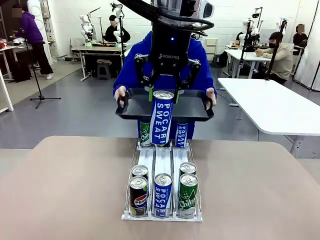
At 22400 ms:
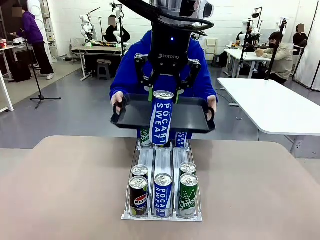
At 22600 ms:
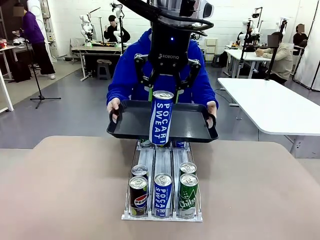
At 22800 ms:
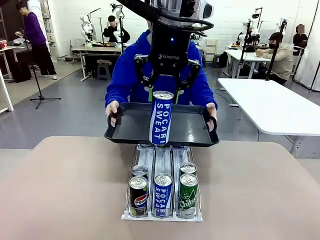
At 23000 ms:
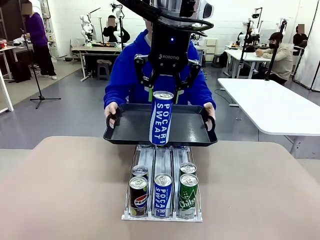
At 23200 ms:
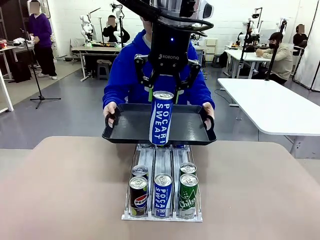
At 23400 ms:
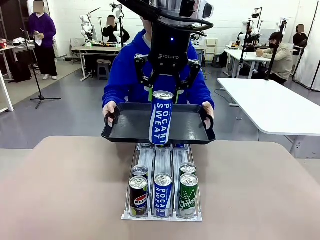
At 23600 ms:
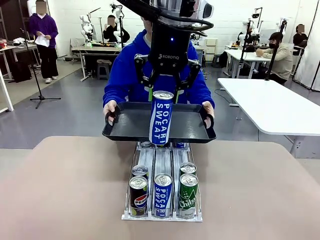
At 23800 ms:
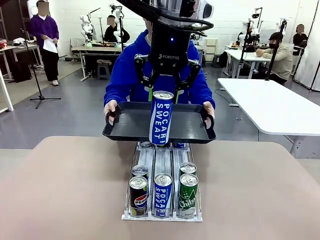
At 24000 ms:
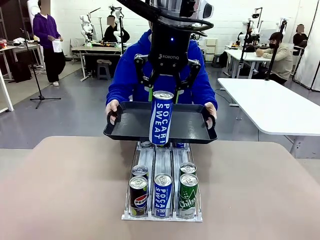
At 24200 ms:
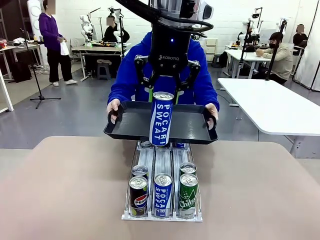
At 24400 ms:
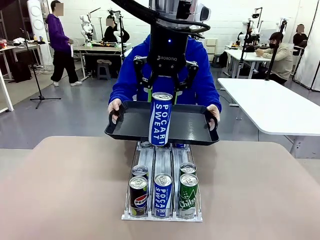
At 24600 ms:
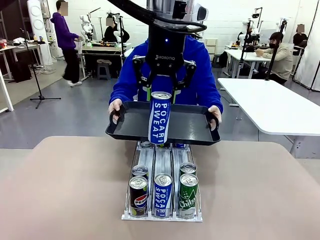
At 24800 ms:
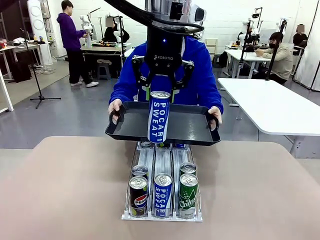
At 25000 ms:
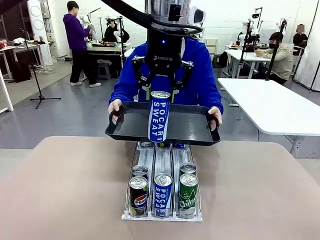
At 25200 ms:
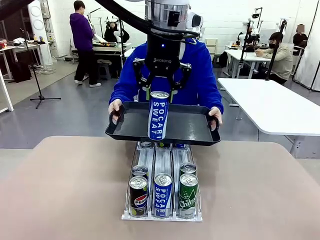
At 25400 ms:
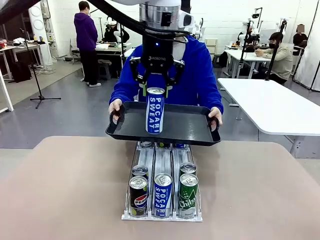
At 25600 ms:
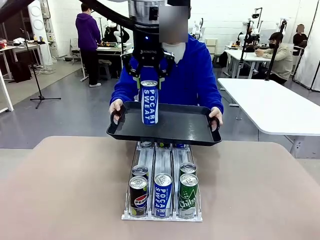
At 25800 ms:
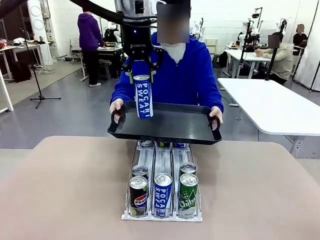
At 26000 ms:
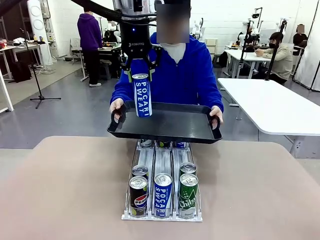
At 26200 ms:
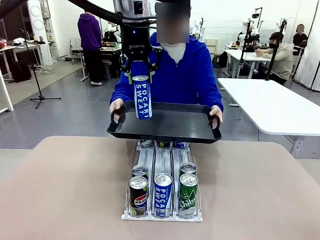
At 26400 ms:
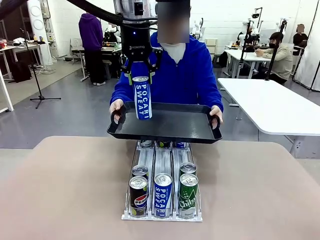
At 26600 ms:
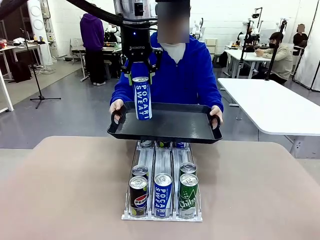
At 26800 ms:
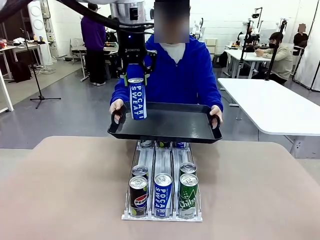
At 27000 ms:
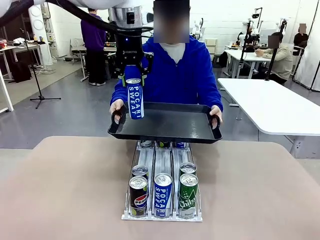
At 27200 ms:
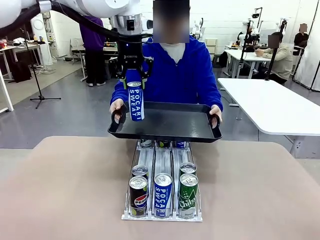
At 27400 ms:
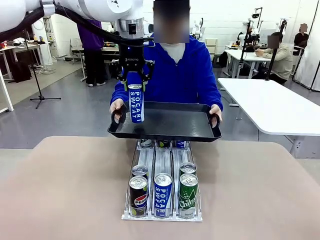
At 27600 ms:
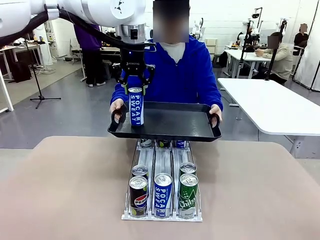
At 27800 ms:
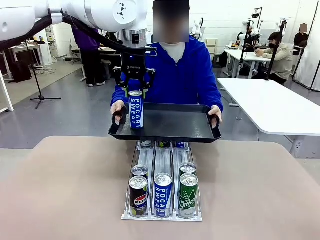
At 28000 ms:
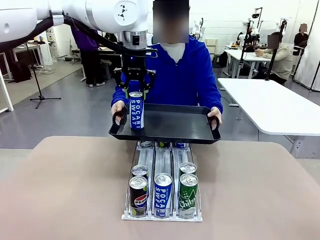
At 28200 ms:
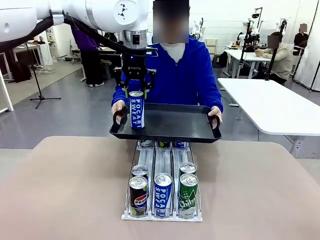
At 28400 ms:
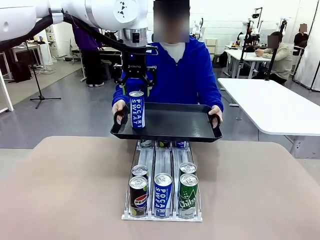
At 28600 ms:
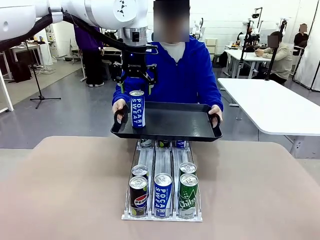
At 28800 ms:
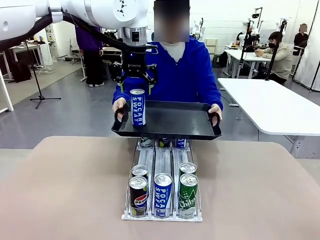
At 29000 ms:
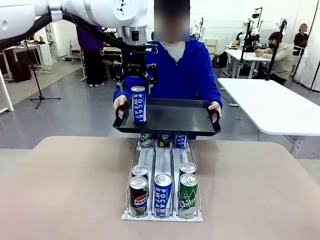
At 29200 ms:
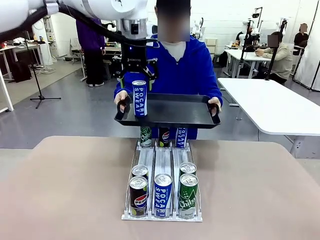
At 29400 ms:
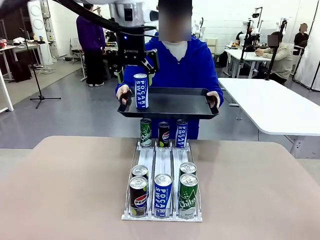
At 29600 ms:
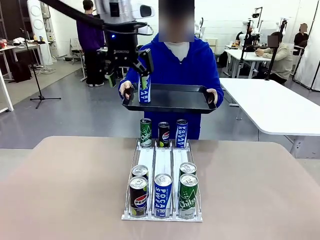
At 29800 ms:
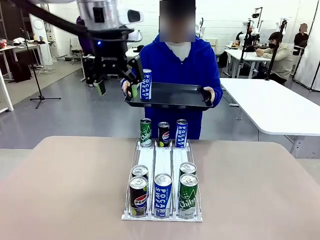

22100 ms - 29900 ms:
Task: Retrieve and hand over the desired beverage to the person.
Robot: Place the picked can on the Handle tray extended by the person.

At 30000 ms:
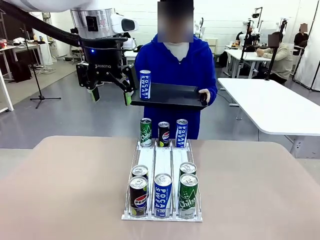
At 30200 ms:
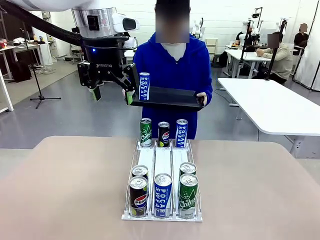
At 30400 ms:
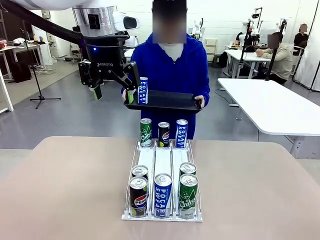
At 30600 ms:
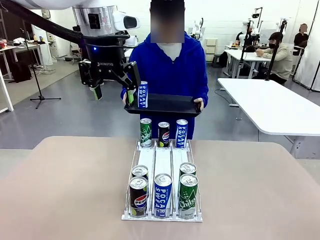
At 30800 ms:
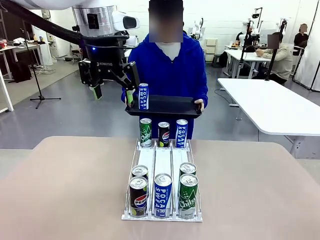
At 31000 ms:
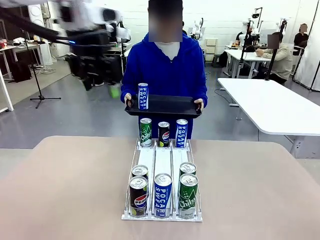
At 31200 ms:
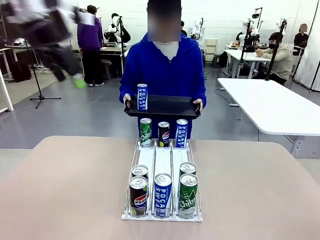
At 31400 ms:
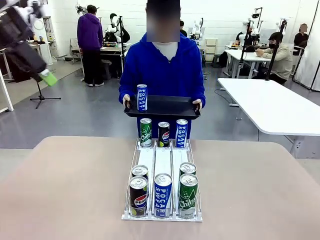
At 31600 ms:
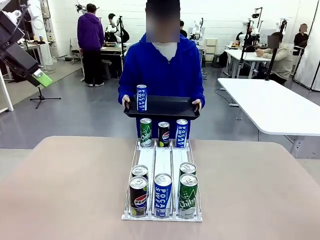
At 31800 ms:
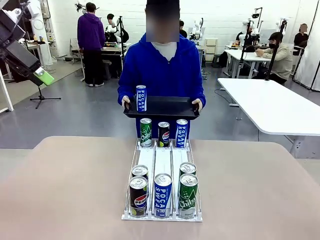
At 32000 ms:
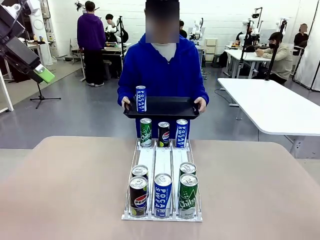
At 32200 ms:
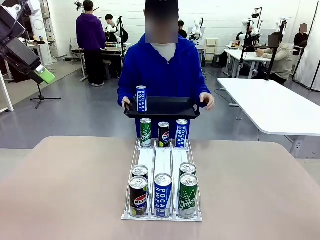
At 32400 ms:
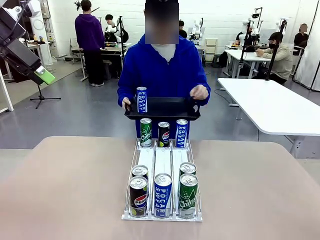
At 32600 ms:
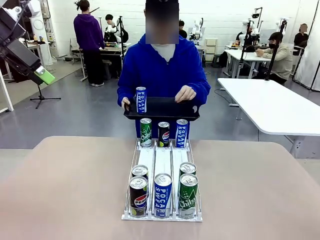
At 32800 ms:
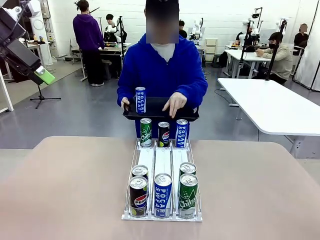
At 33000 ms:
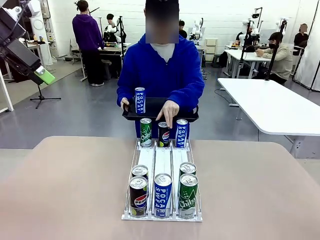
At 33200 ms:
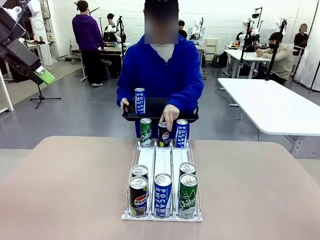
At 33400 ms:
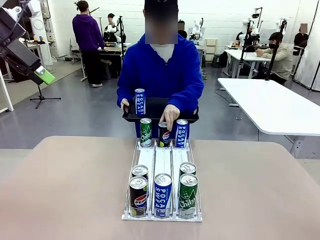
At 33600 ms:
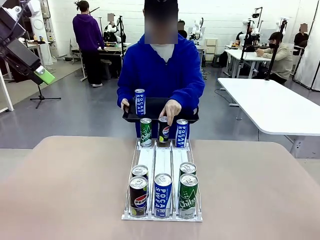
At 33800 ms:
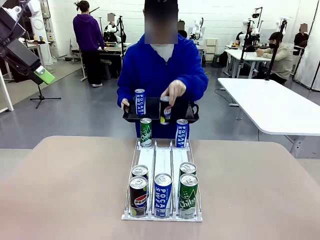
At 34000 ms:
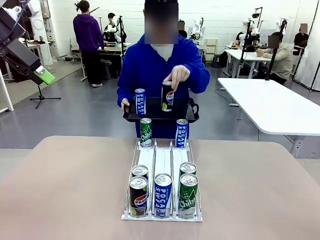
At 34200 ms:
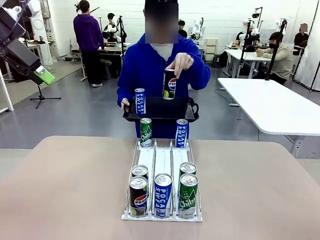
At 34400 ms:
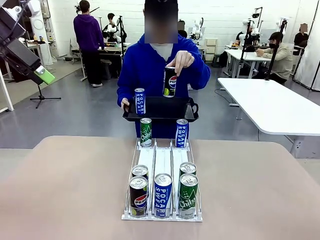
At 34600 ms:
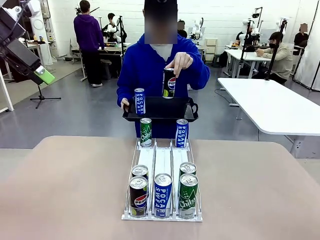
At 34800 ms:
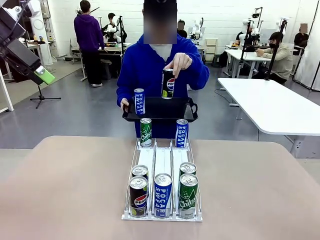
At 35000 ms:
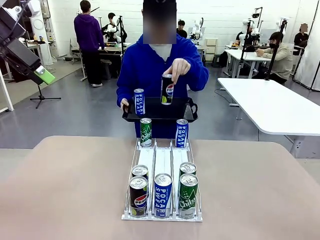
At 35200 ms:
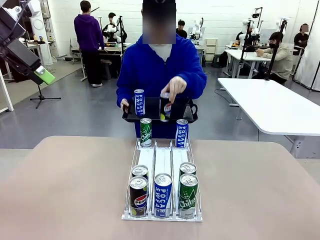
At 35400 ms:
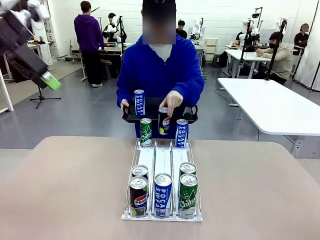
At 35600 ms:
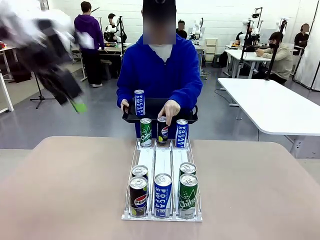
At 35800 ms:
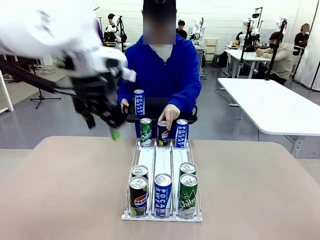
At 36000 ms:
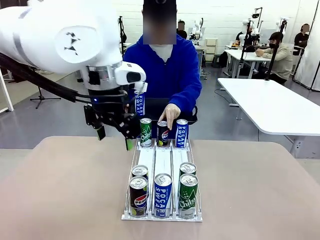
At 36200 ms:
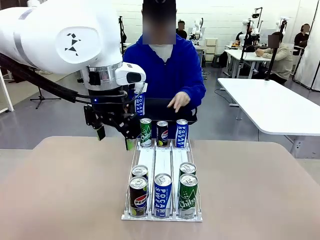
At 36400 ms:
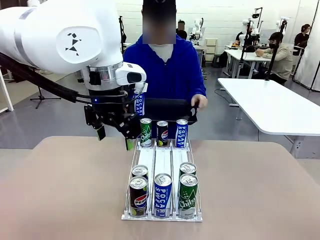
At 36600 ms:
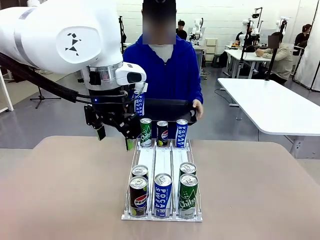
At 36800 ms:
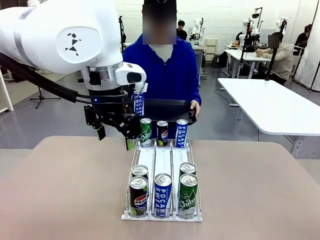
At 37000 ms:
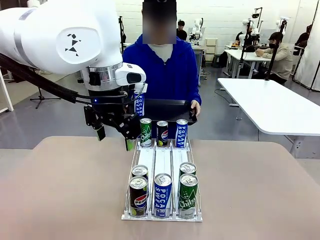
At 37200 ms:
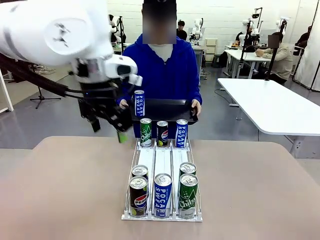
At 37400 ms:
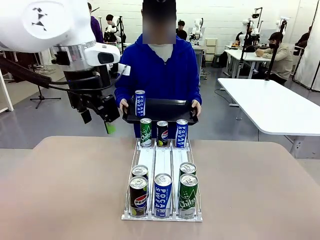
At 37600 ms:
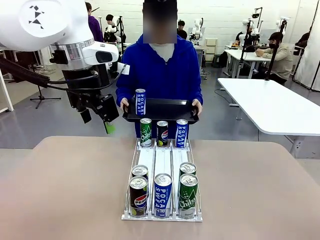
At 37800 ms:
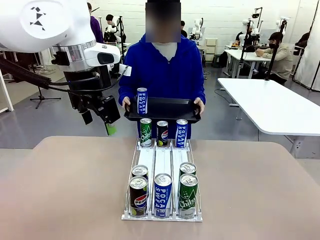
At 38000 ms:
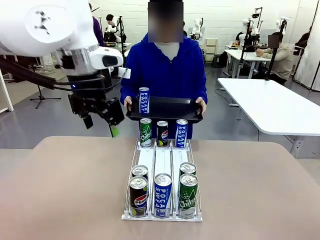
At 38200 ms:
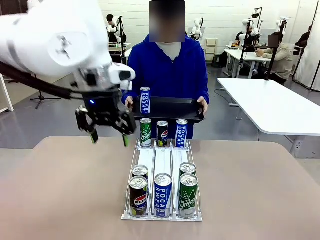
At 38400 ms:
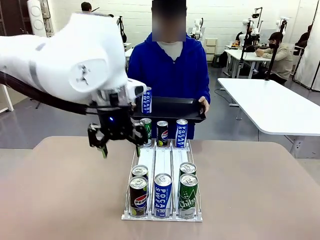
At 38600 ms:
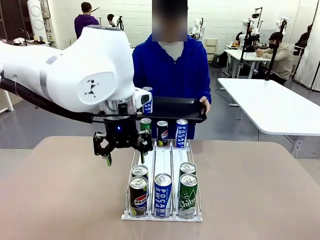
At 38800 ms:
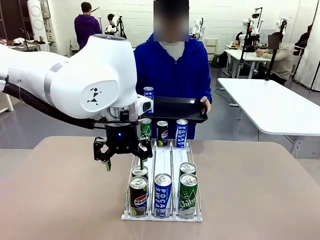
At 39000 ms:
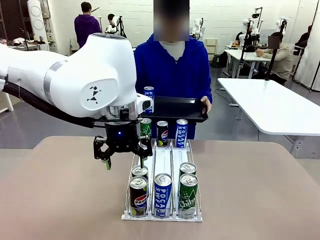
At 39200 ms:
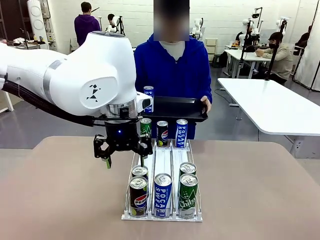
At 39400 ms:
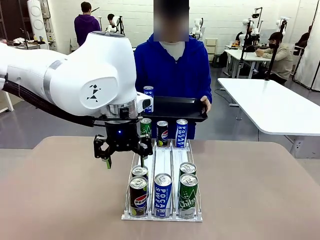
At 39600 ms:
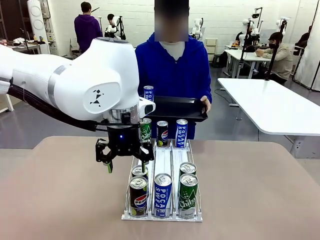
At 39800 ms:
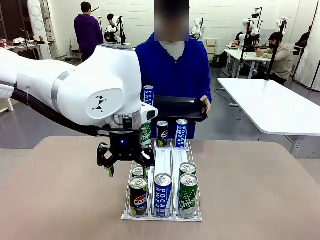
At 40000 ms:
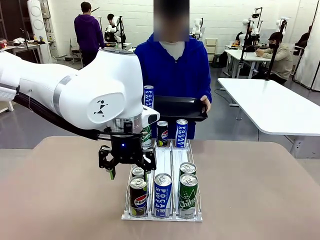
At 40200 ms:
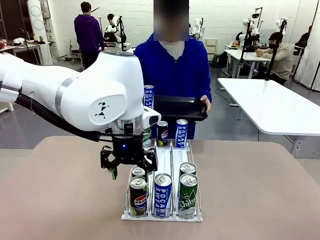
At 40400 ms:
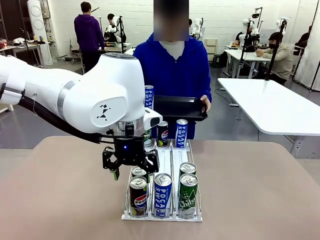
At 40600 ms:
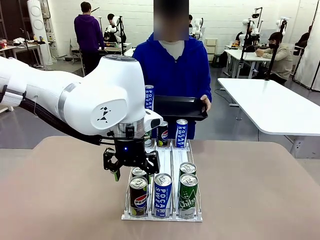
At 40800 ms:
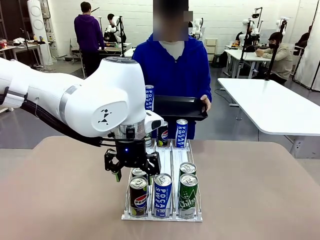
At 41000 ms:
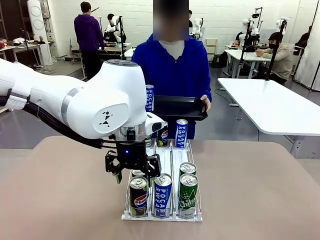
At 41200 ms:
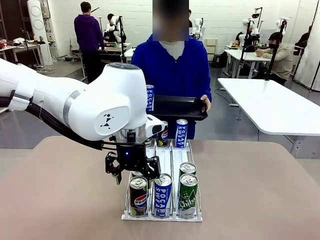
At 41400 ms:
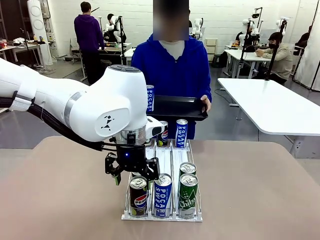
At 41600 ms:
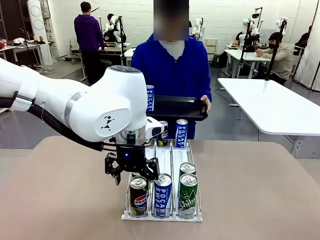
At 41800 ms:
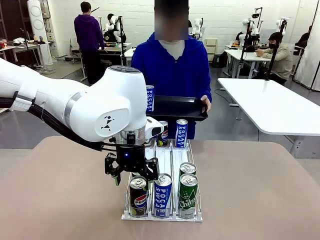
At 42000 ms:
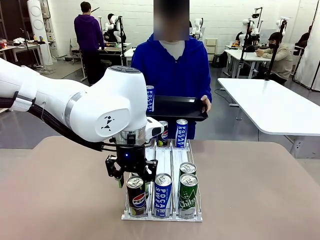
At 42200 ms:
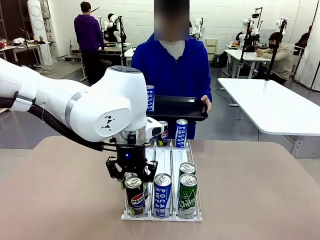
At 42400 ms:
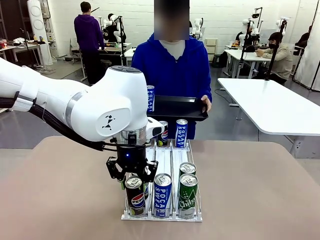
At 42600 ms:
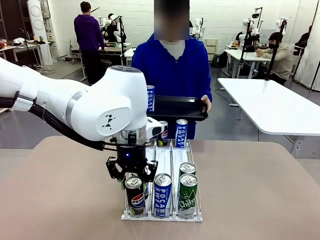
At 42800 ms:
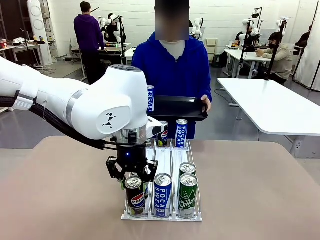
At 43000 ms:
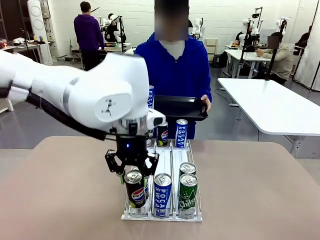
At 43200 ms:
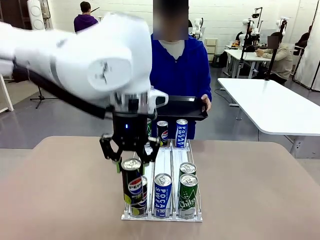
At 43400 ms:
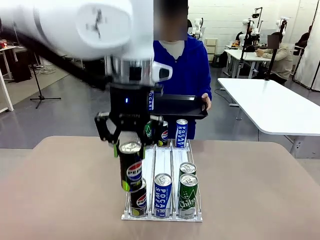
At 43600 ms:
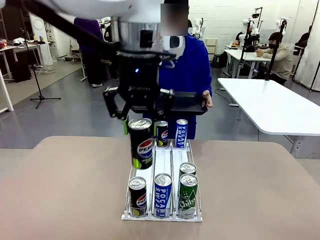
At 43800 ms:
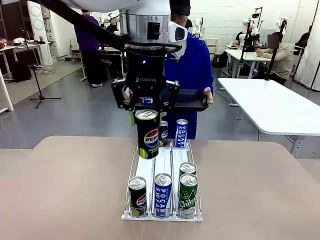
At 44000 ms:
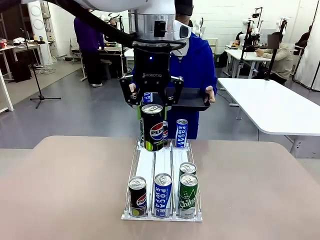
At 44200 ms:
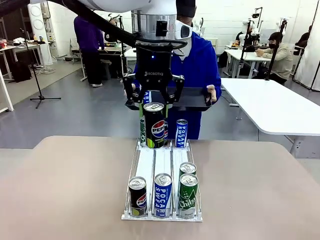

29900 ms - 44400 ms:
Robot: Pick up another can of the same type that the person held from the Automatic Can Dispenser.
Person: Pull the tray back, then pick up another can from the bottom area of the table and puts it back in its original place. Push the tray toward the robot again.
